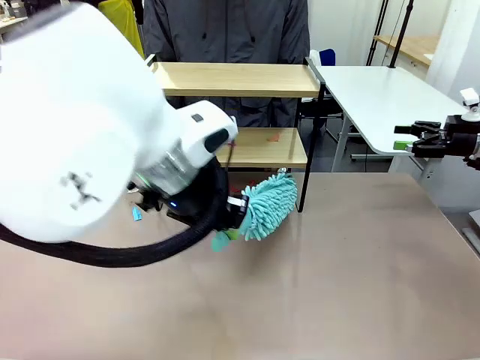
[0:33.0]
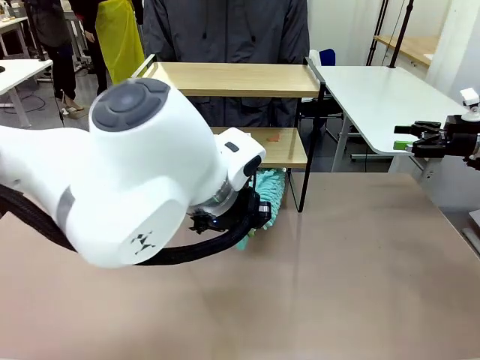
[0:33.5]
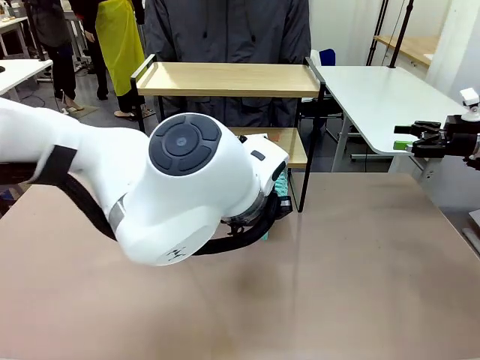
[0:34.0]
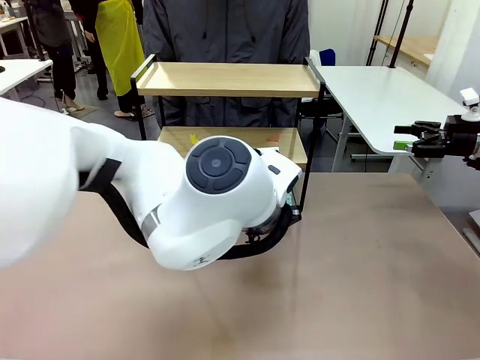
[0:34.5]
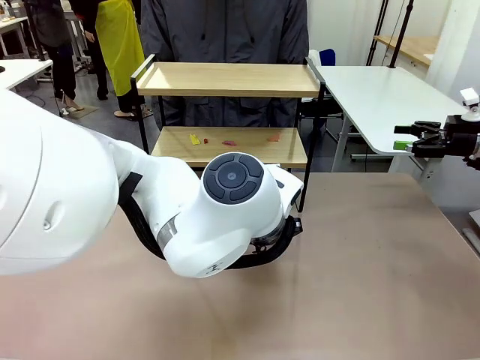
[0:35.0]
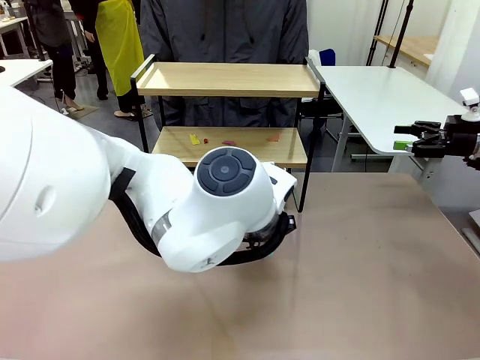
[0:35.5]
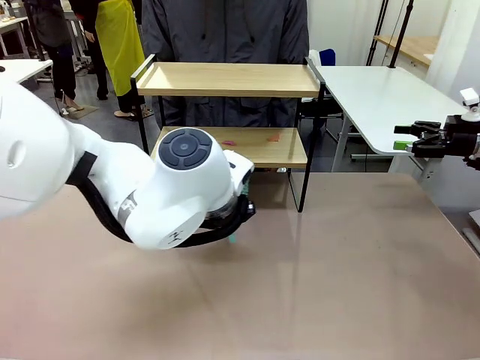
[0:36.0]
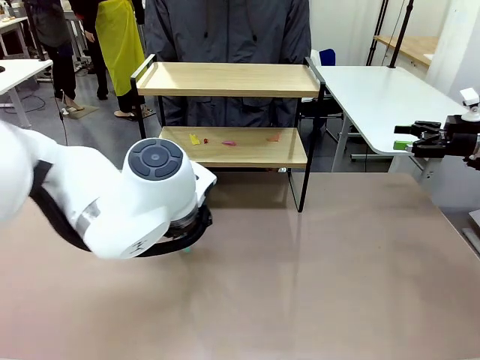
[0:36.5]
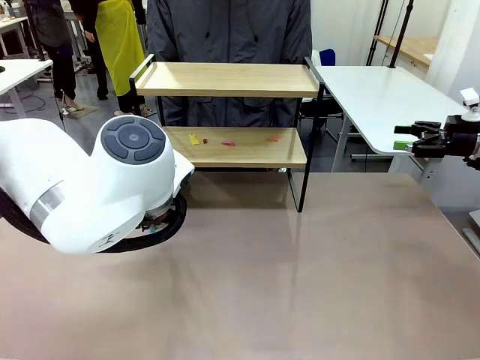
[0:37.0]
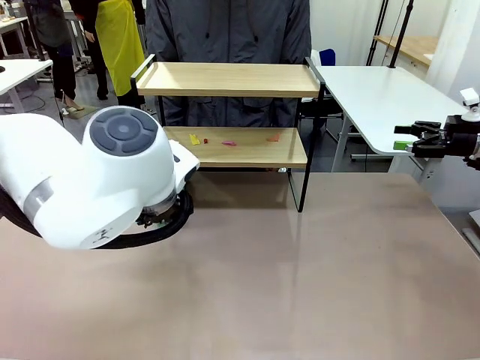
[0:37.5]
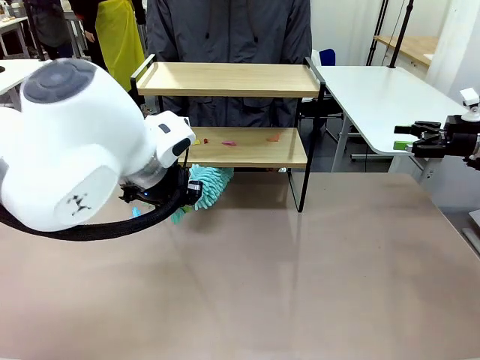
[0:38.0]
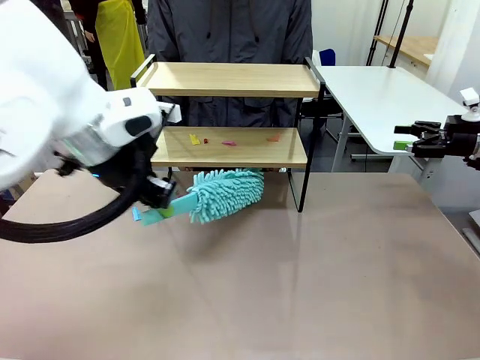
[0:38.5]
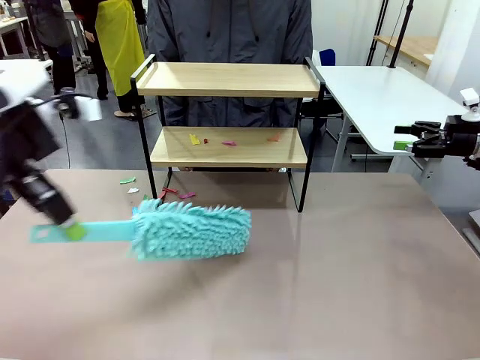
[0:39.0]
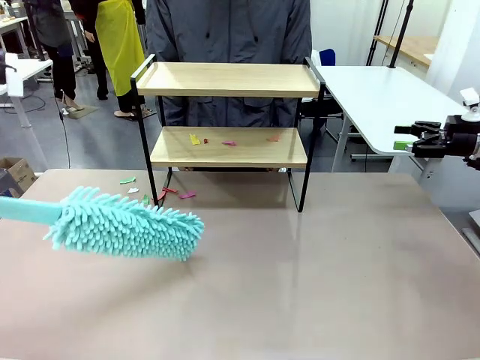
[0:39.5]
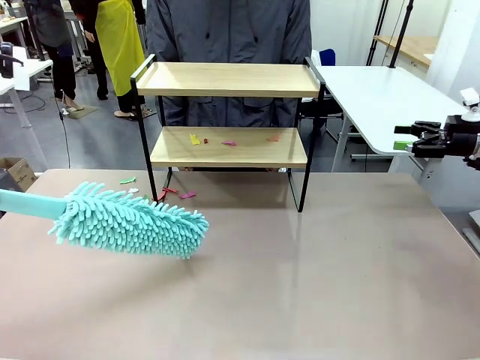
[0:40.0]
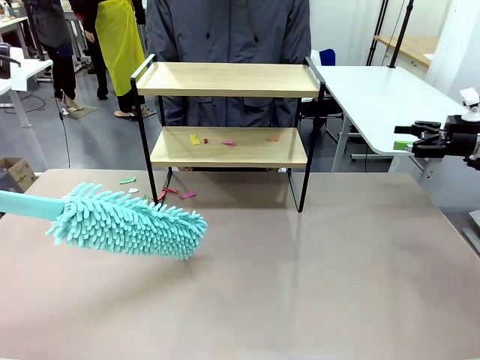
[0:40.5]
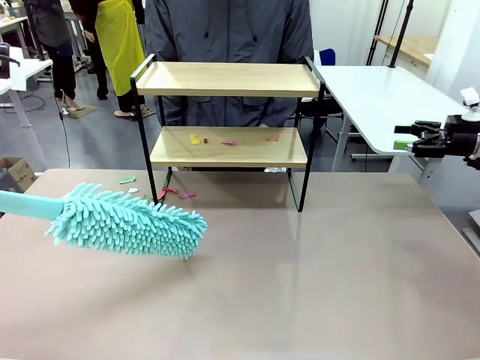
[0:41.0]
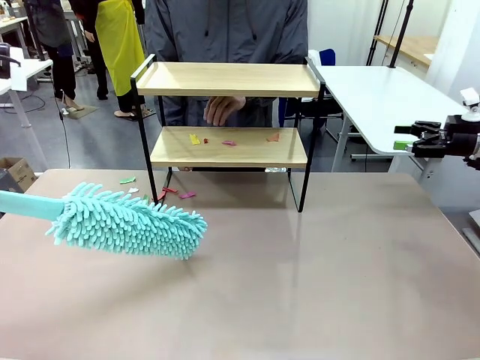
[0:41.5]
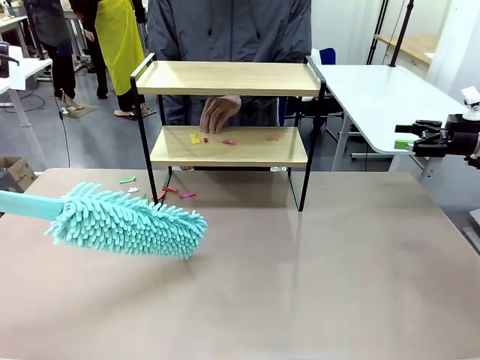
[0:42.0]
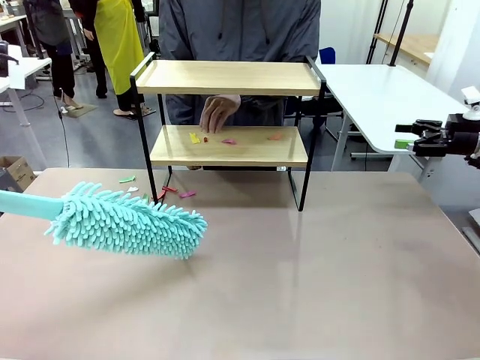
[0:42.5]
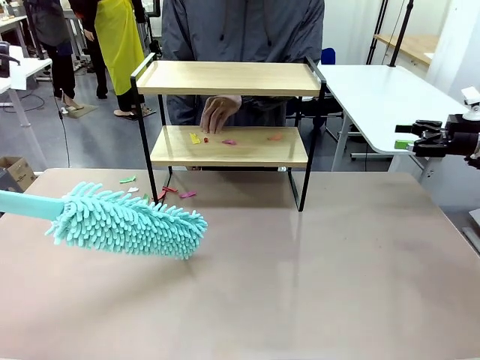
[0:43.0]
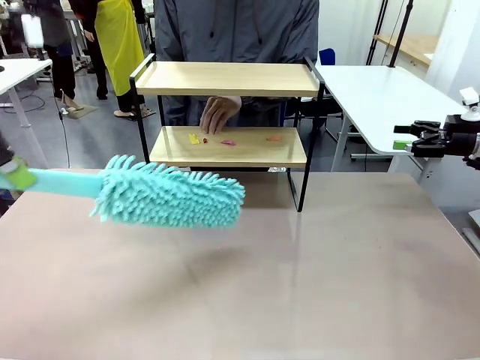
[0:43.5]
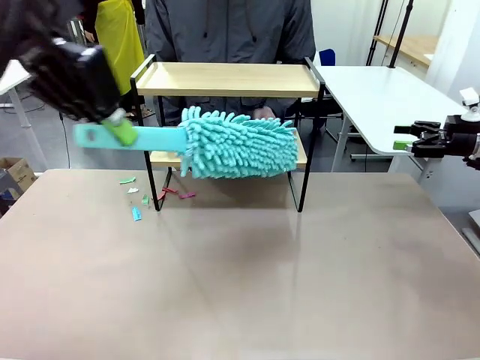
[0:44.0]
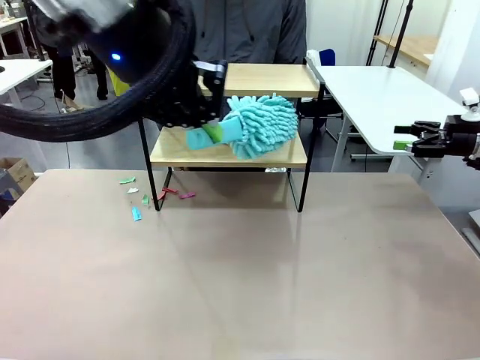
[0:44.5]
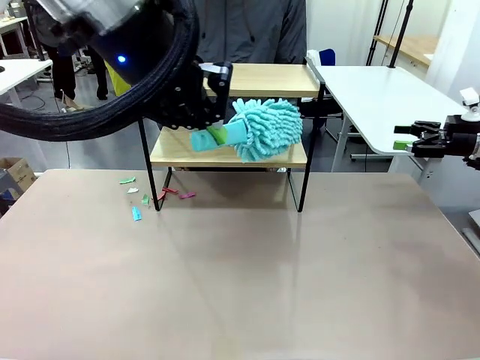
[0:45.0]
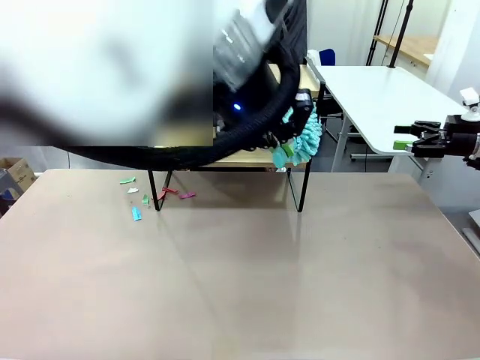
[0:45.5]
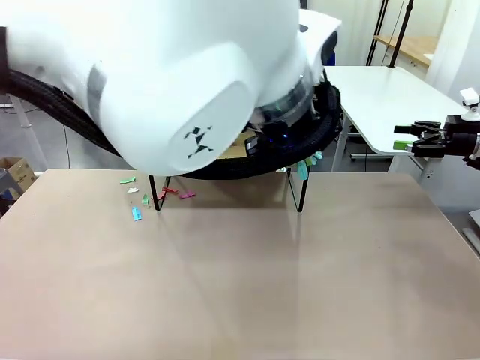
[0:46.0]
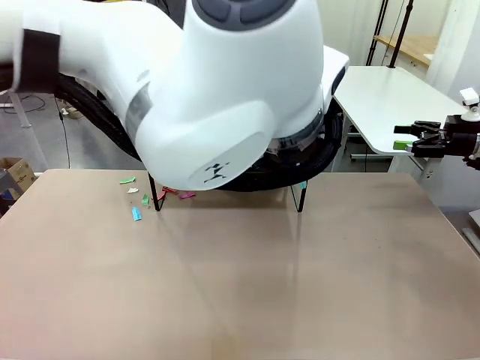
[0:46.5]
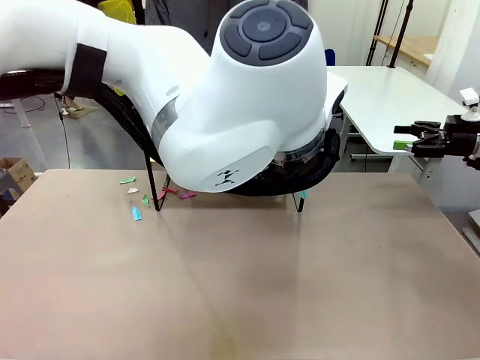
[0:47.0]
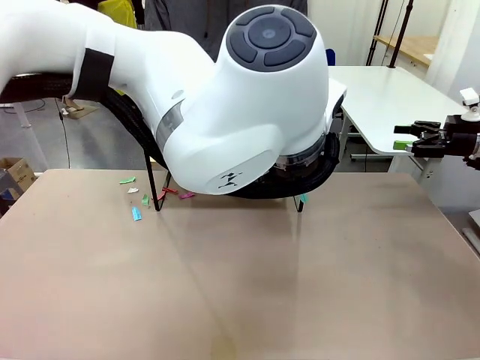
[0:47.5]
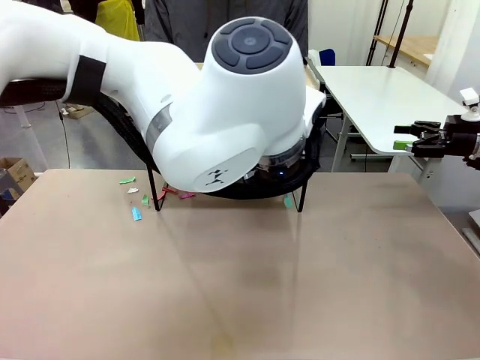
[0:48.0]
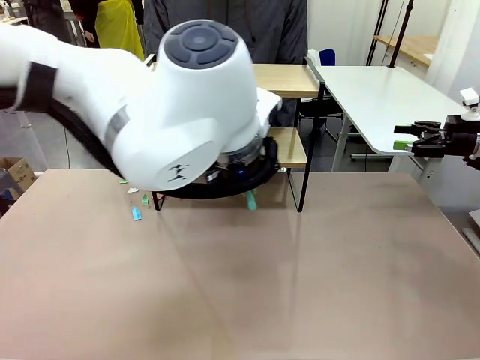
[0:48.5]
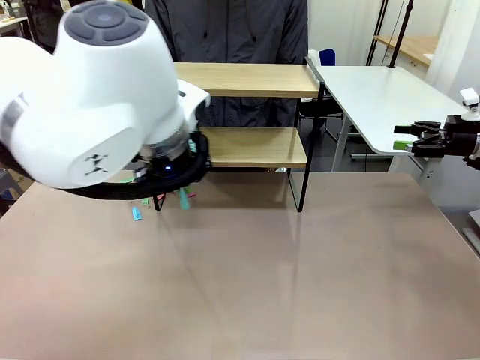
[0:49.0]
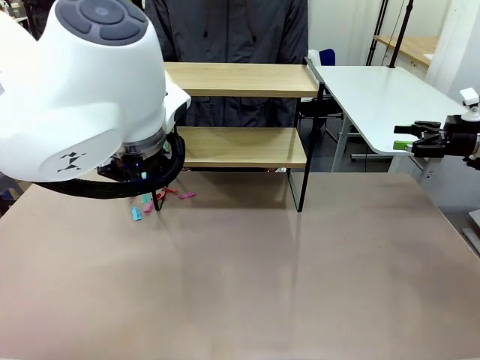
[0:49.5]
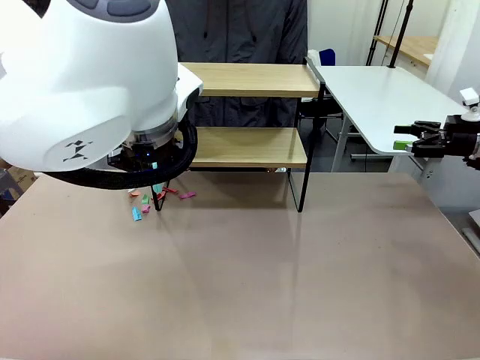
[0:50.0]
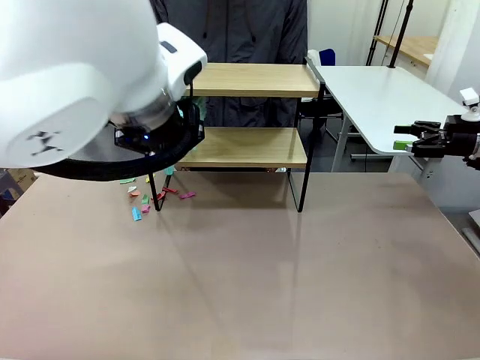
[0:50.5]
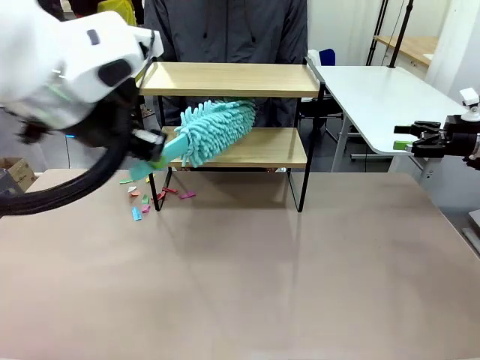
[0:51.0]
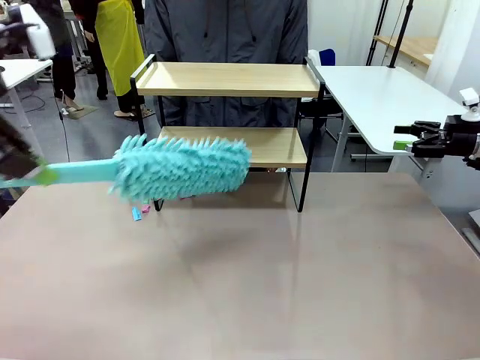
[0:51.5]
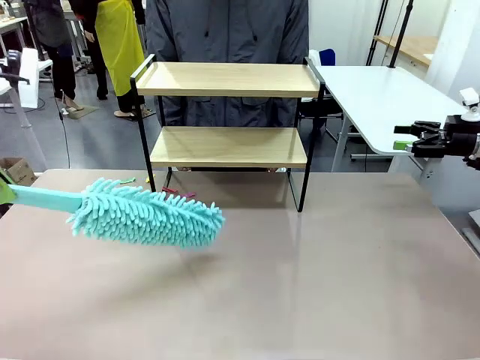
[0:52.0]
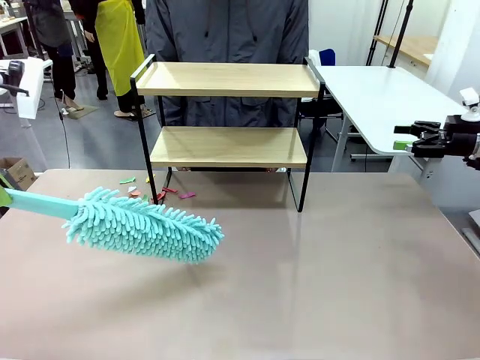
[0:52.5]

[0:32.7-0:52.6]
Task: Clean the shelf.
Robot: Clean the specific section of the Shelf indicated by the human with the Duster.
Person: Point a remaining section of the Shelf.

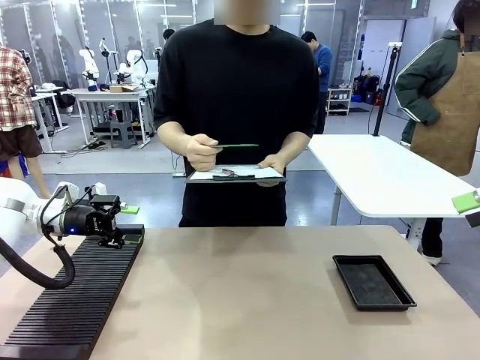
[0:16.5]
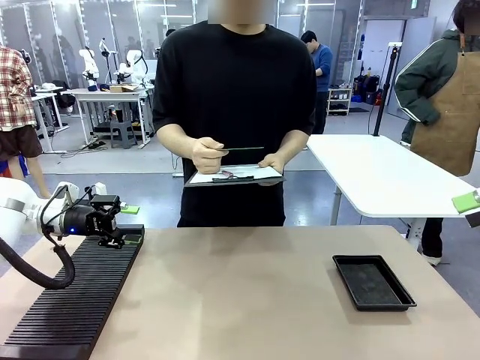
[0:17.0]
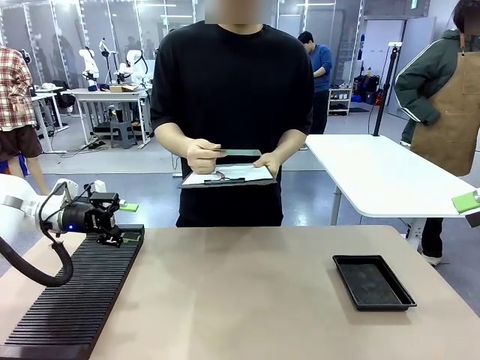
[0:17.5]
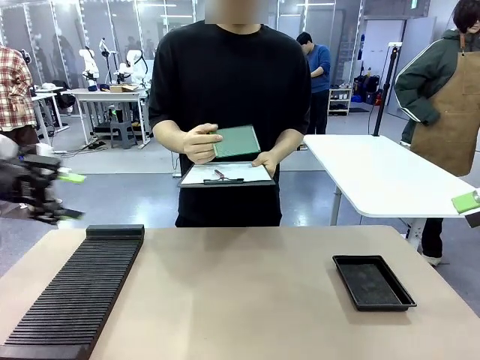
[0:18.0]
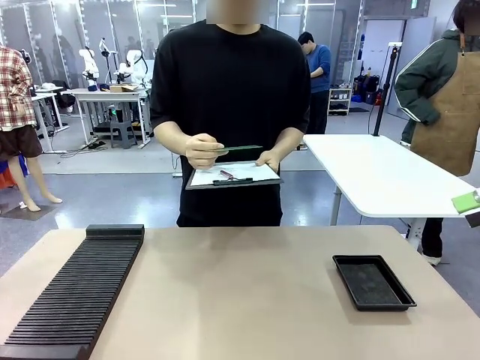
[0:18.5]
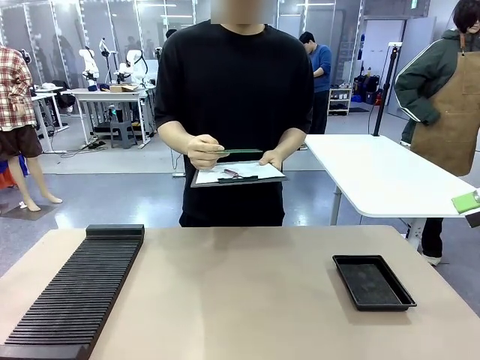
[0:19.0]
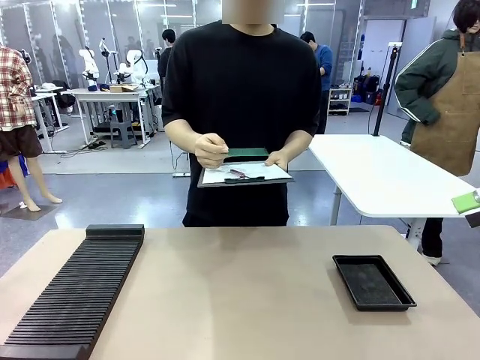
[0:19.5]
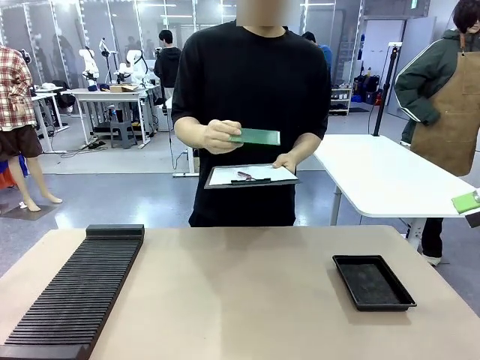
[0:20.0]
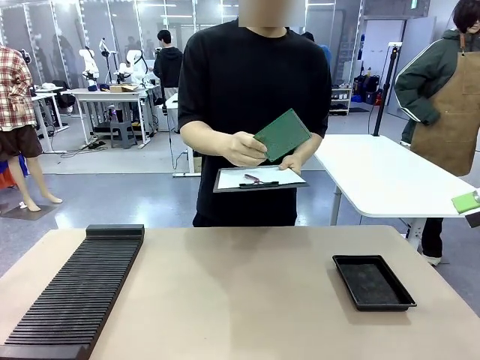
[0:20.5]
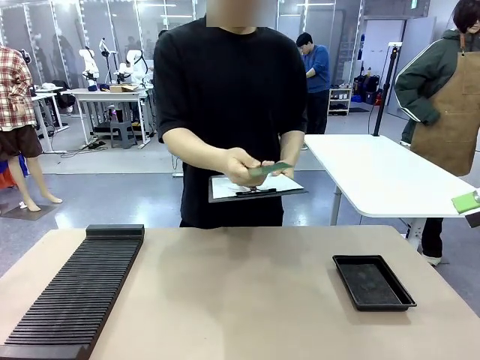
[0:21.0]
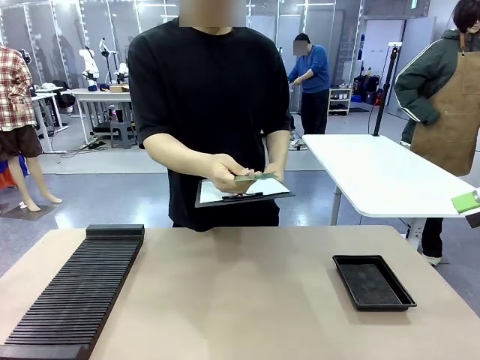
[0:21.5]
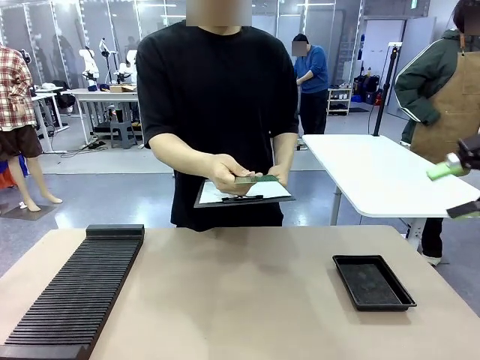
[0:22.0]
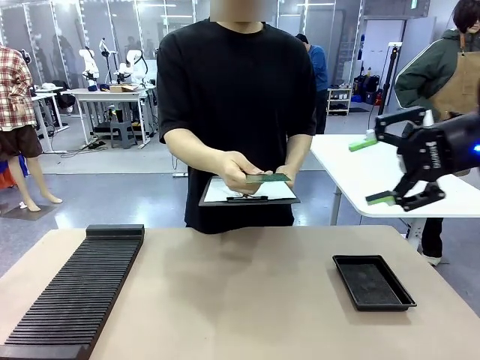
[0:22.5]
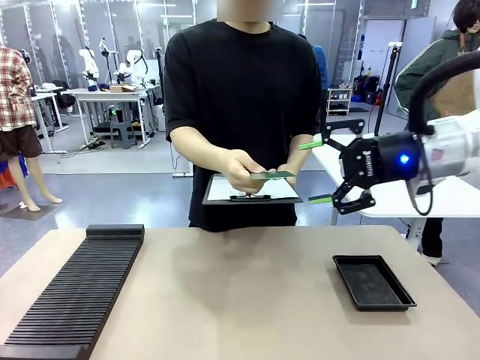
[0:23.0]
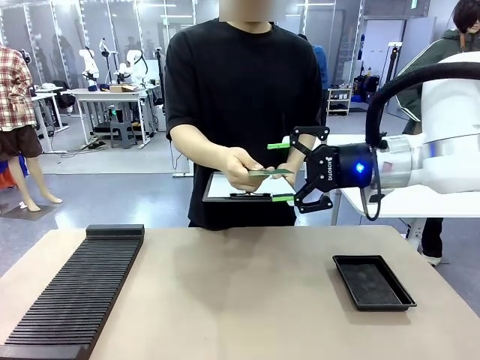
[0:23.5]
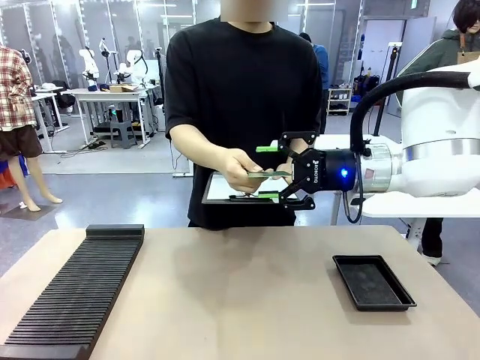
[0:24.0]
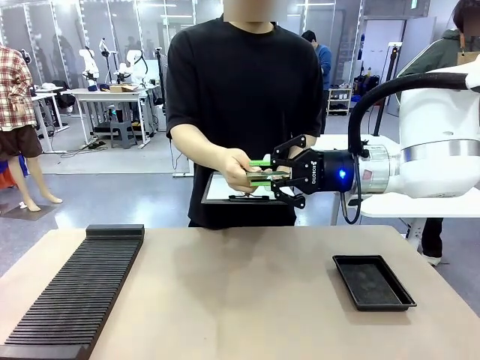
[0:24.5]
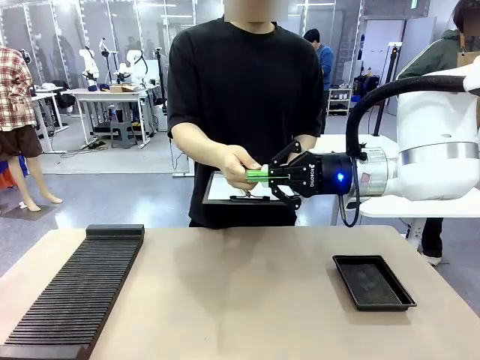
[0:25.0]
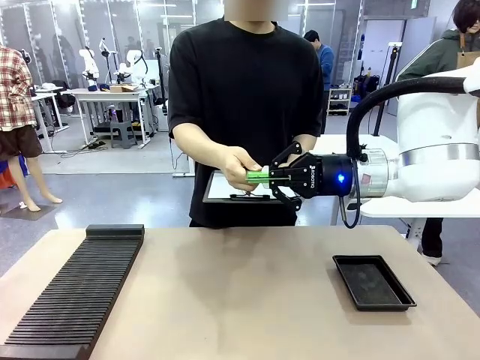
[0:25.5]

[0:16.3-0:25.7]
Task: Inspect the PCB.
Robot: Pick up the Blank PCB that the human is holding.
Person: Inspect the PCB placed by the robot, then hold it out in front of the robot. Release the PCB you were holding.
